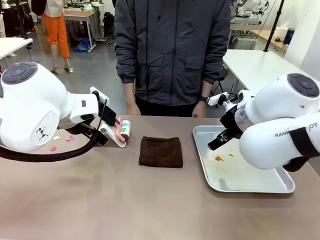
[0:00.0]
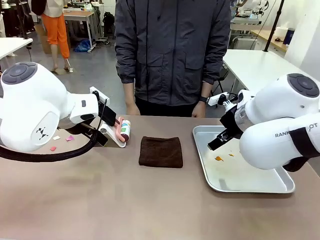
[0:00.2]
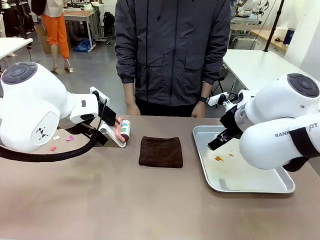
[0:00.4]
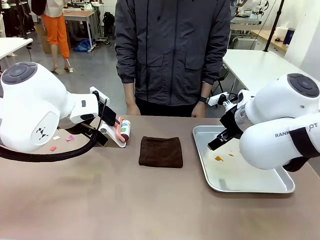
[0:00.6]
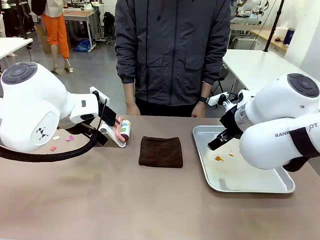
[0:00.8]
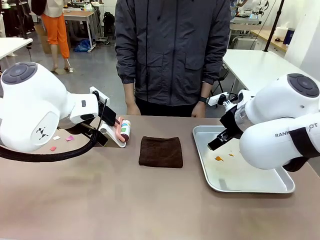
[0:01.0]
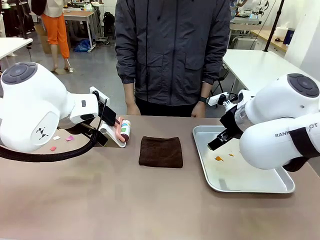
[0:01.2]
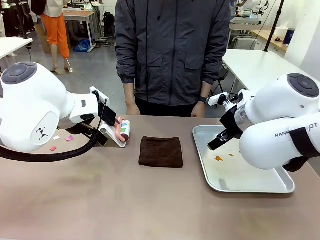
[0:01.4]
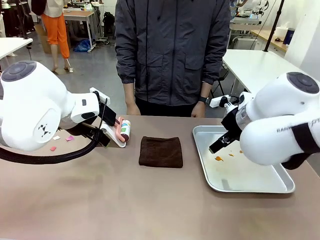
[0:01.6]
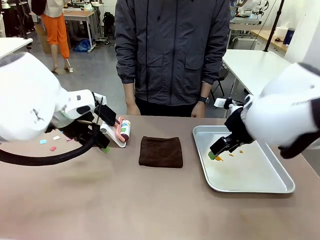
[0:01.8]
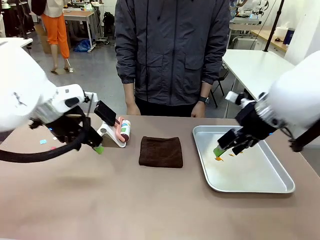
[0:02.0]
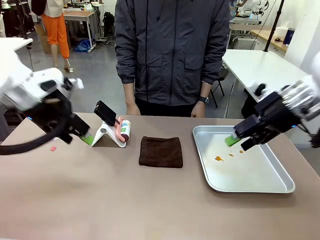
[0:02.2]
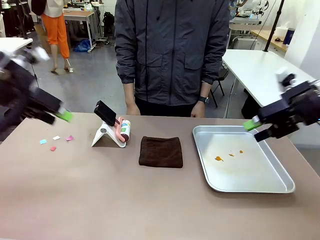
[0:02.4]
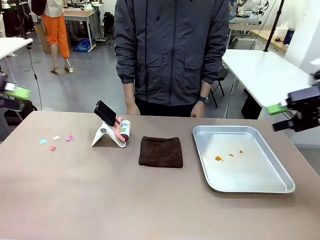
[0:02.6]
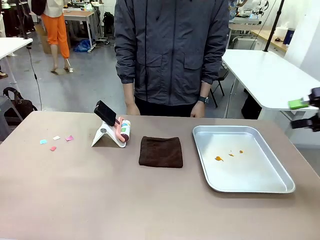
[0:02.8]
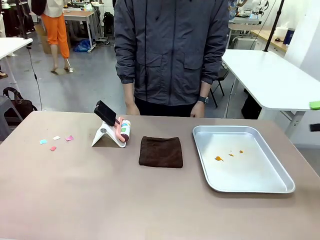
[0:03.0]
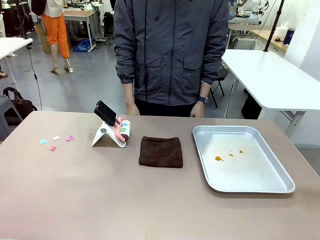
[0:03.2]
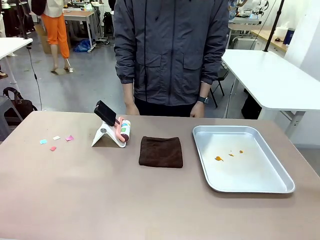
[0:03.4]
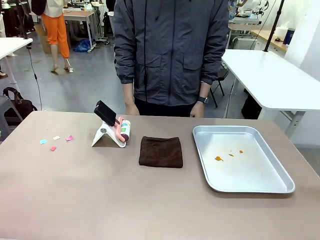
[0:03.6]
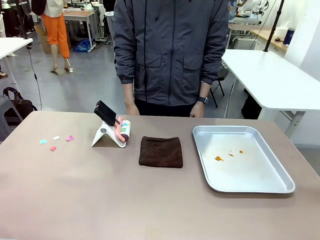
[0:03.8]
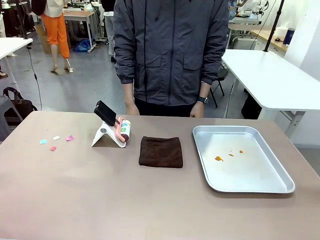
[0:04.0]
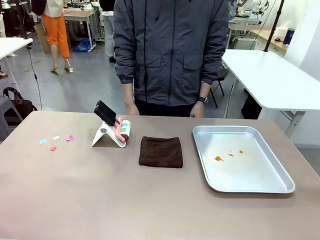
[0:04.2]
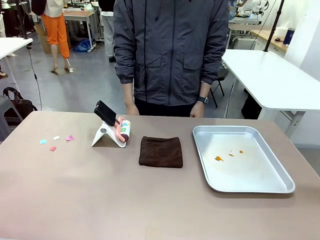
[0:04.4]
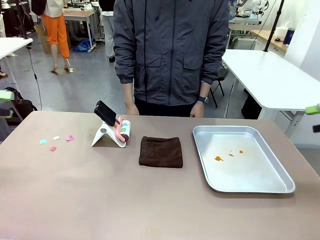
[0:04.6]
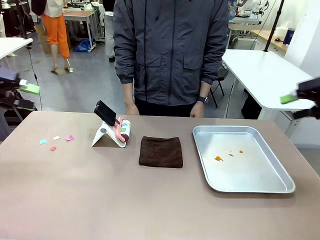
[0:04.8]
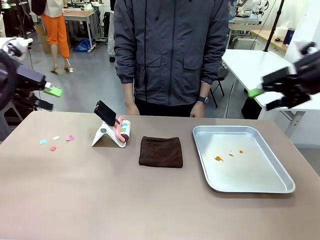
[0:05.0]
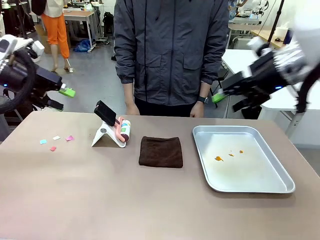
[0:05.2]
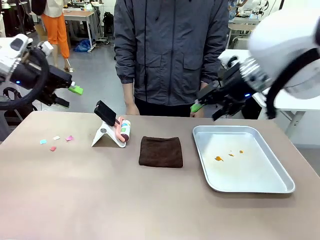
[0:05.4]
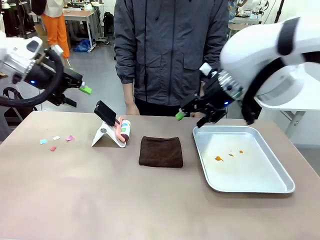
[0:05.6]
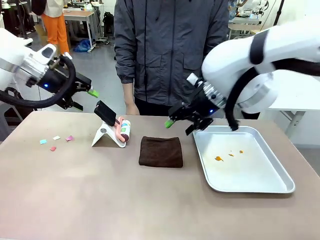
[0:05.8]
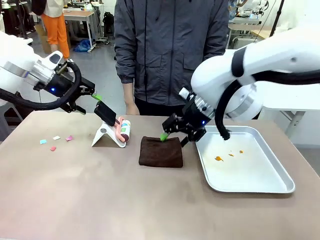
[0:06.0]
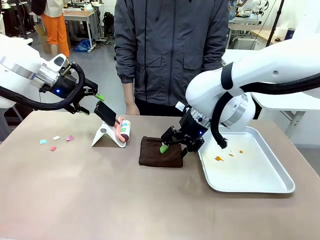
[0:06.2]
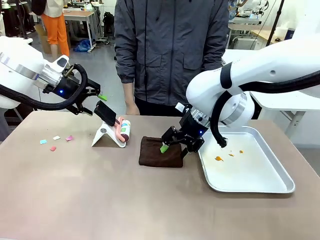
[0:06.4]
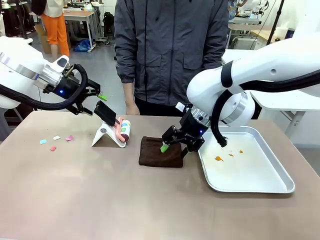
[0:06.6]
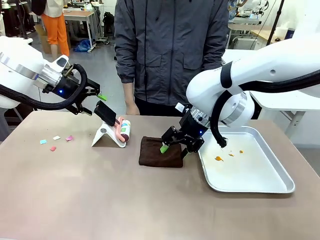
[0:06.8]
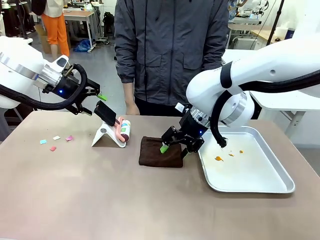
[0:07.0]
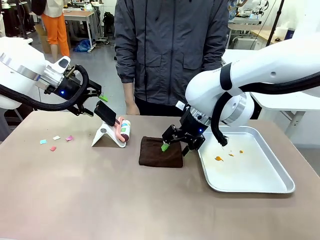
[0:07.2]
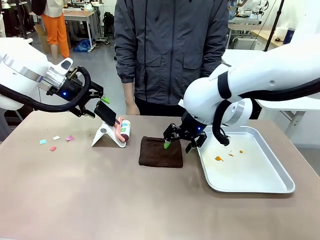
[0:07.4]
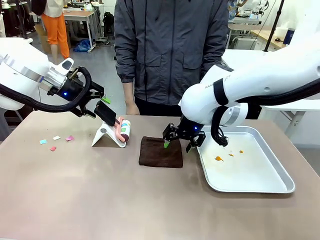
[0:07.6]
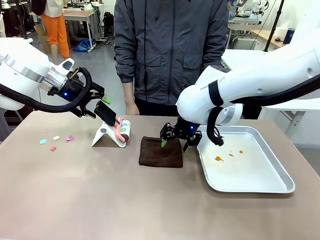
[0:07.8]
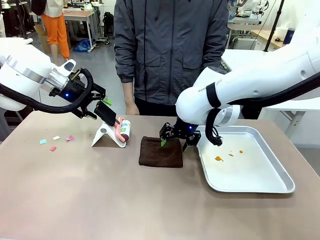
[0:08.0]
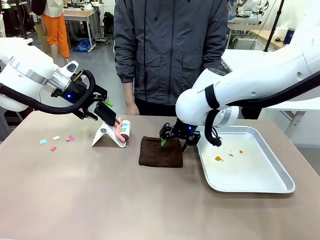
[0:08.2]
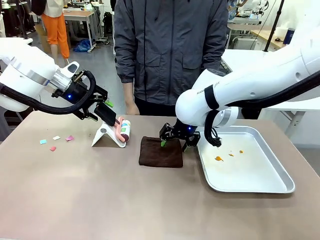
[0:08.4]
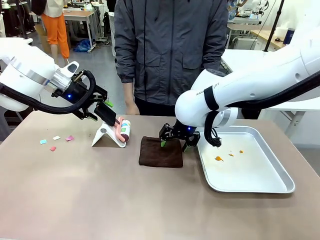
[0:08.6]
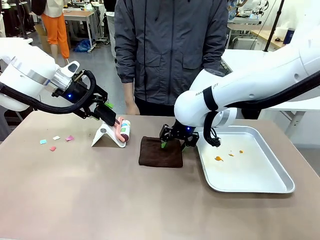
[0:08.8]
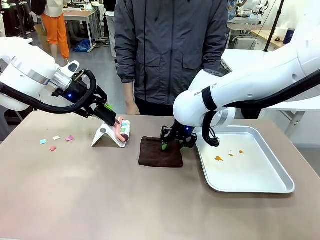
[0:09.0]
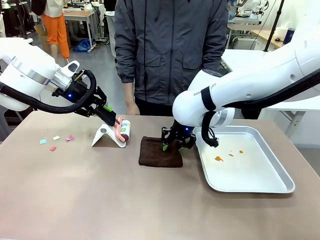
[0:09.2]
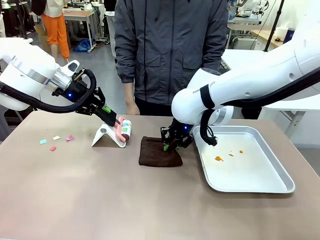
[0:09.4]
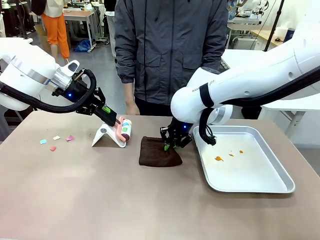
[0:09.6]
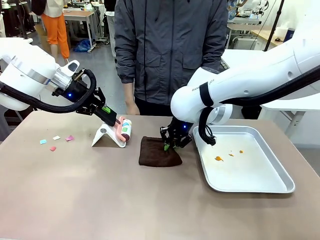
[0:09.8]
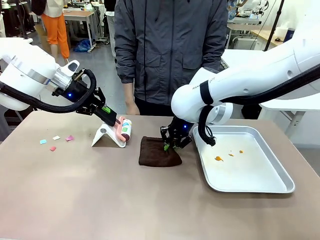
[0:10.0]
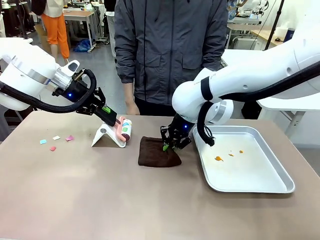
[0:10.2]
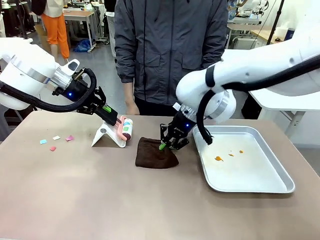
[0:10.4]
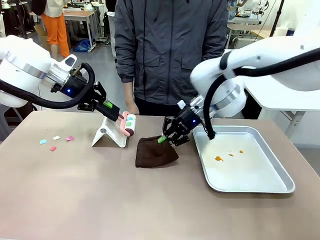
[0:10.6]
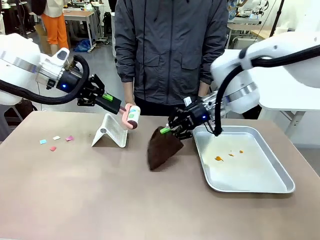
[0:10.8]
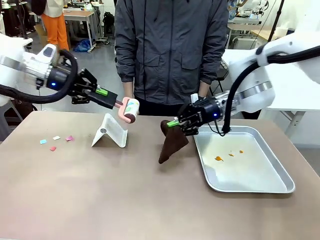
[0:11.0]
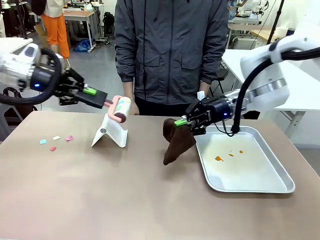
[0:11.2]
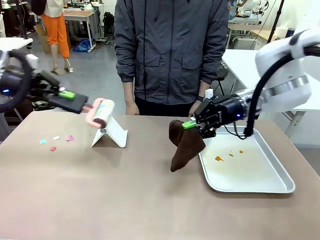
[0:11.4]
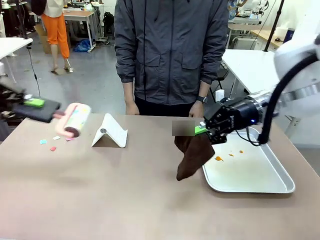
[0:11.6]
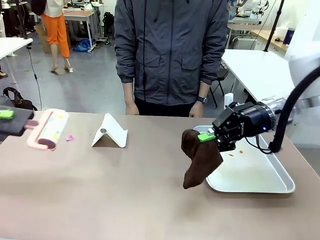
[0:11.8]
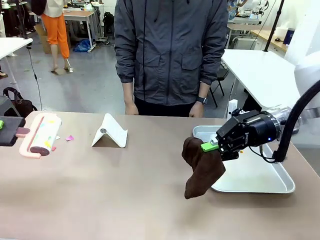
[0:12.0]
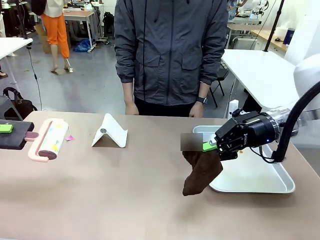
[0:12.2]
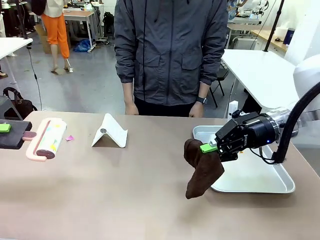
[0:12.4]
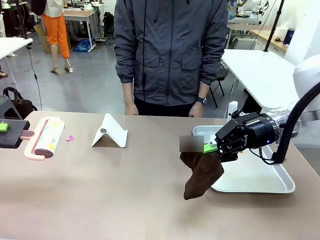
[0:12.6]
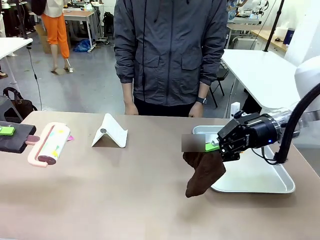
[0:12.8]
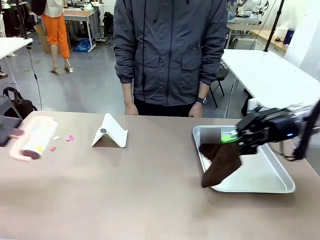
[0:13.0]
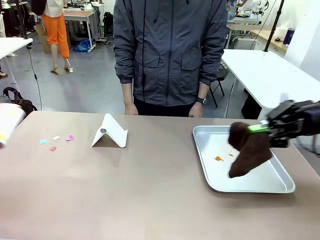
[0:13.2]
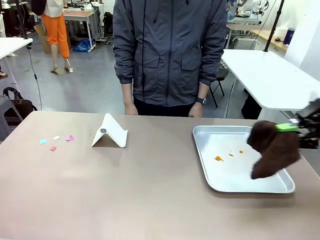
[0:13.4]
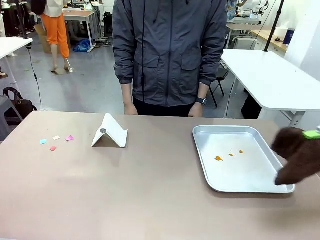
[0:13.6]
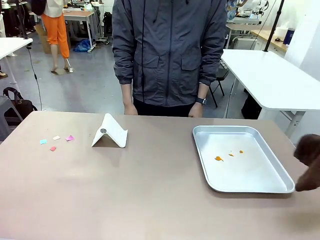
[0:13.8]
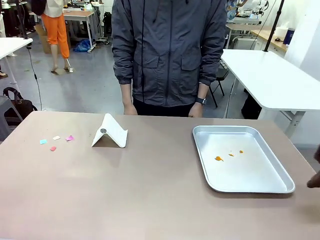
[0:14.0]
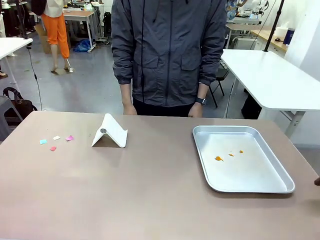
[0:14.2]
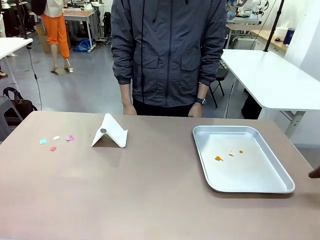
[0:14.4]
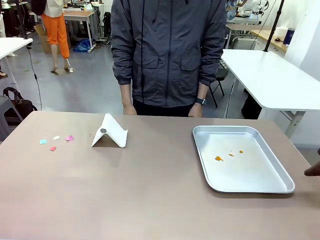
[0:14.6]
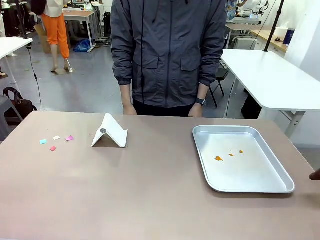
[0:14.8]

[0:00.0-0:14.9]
Task: Clean the surface of the table.
Robot: Hold the Lint Roller with your left hand and the towel with your right hand.

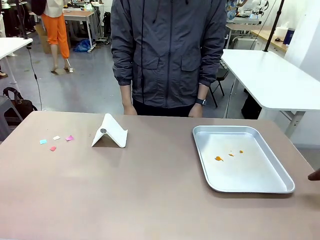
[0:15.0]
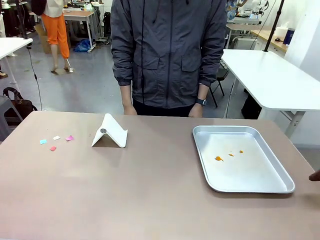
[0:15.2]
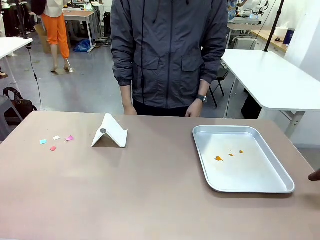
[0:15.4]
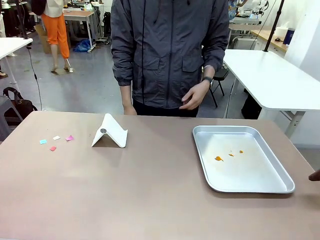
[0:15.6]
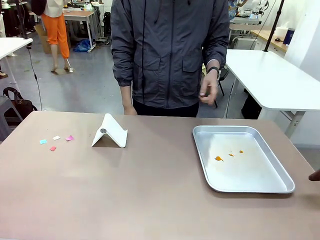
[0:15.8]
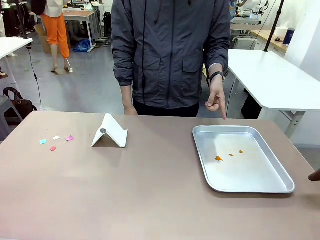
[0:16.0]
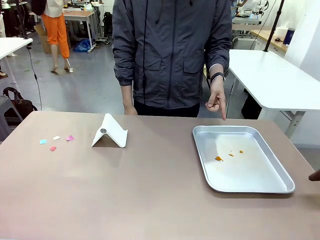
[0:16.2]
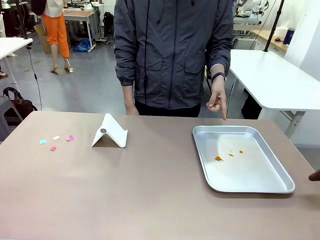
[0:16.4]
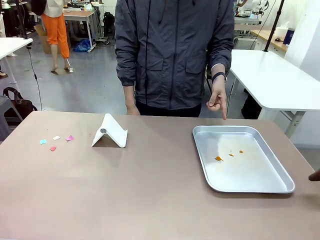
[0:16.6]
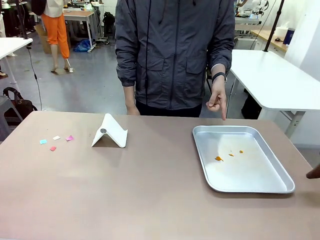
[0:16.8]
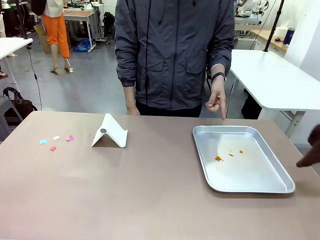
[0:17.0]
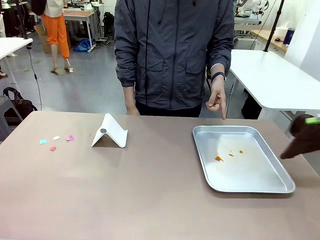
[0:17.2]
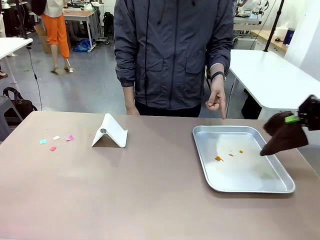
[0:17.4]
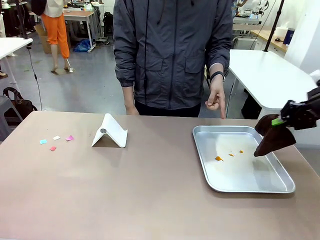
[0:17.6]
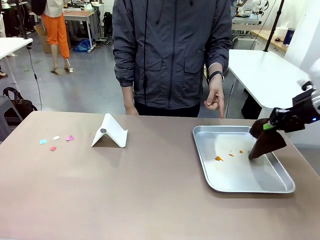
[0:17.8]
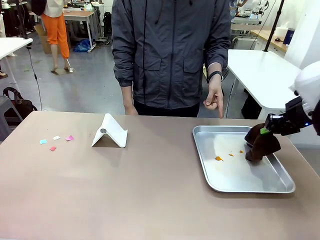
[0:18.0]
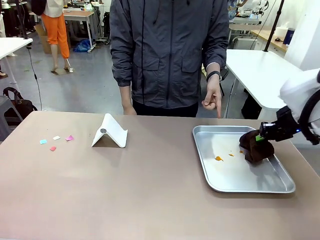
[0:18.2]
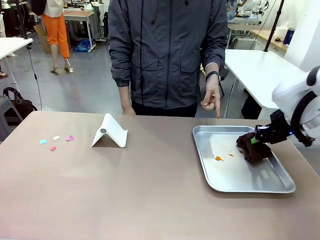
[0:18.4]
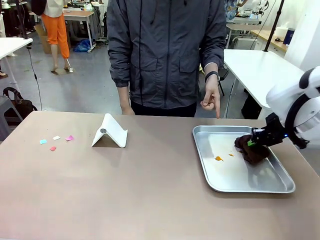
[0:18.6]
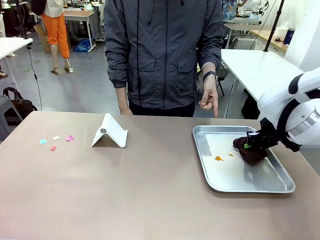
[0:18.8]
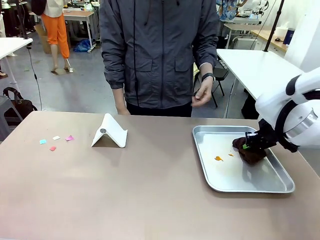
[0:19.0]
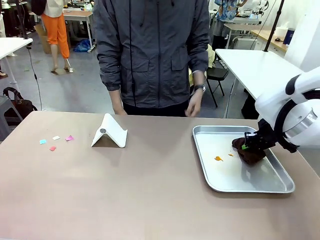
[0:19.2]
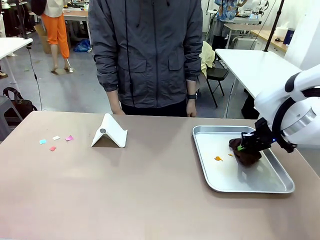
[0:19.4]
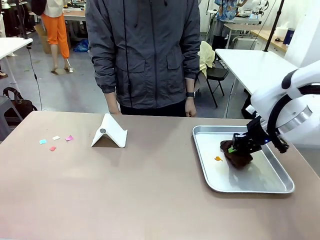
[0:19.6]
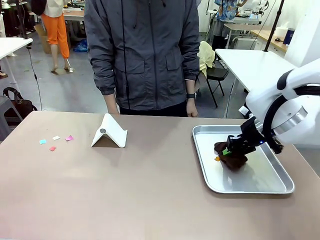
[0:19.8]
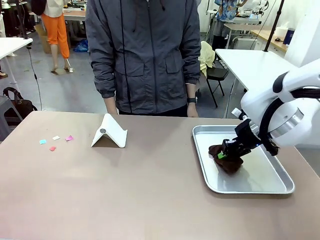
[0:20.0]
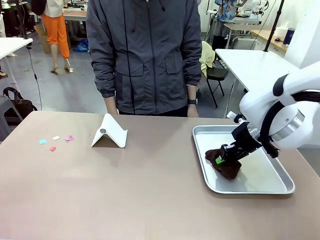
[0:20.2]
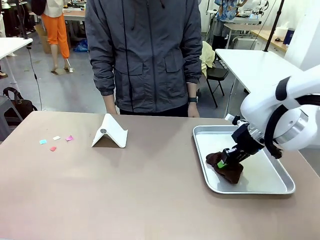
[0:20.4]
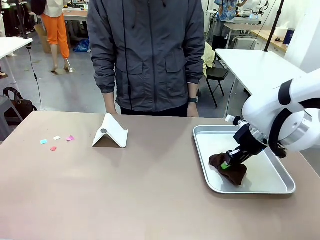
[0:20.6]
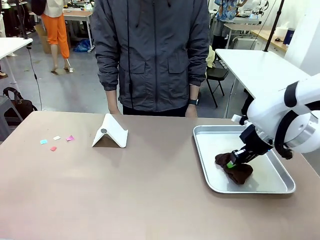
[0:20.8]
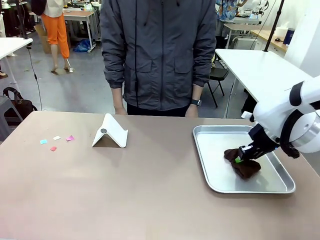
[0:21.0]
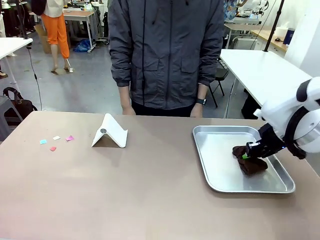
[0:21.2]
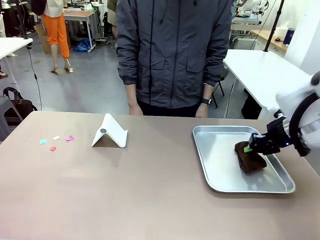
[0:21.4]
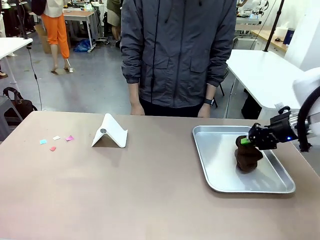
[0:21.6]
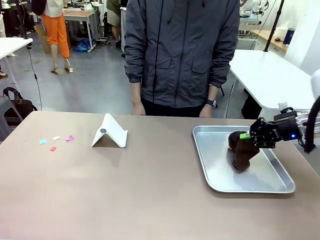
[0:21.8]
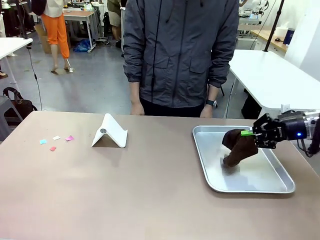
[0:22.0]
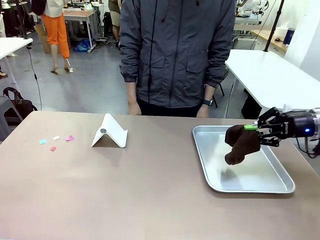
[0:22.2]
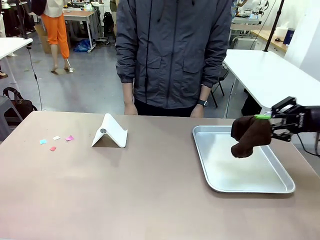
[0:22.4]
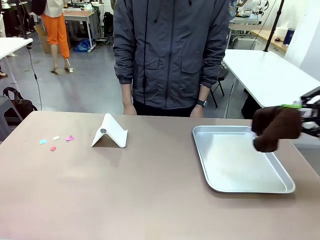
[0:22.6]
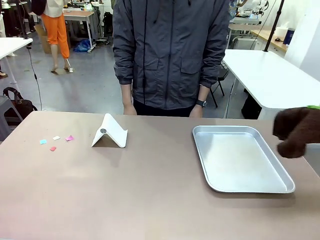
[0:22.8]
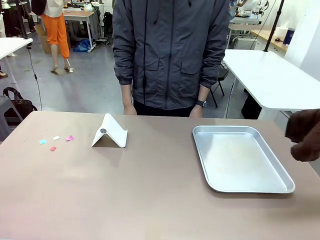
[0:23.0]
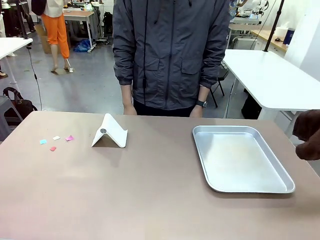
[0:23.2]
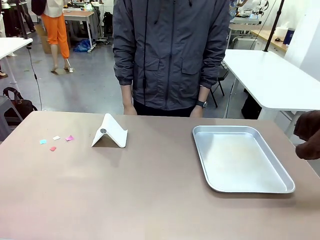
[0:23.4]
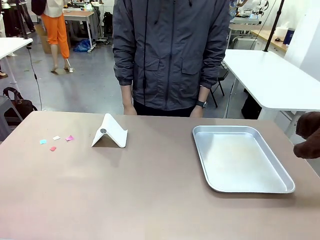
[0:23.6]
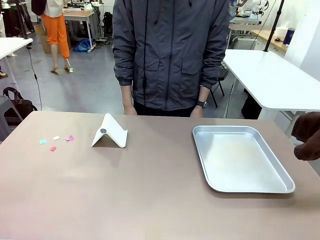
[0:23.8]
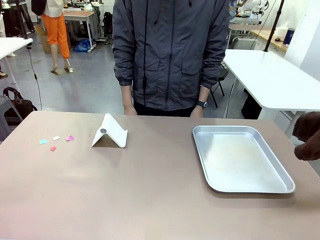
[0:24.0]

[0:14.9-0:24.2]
Robot: If a person points to the right, clean the right side of the table with your right hand, and if they point to the left, clean the left side with your left hand.
